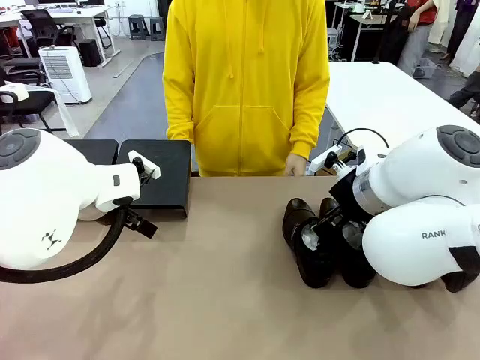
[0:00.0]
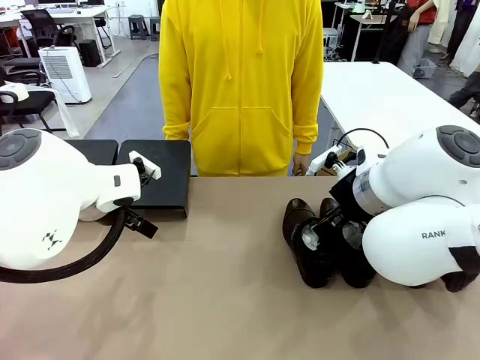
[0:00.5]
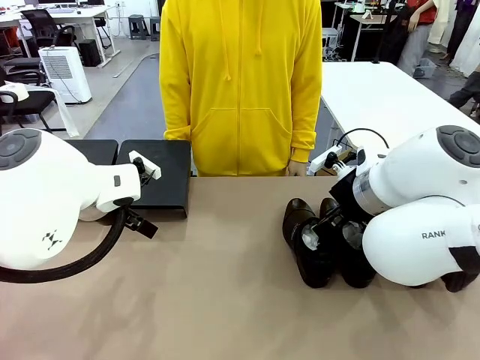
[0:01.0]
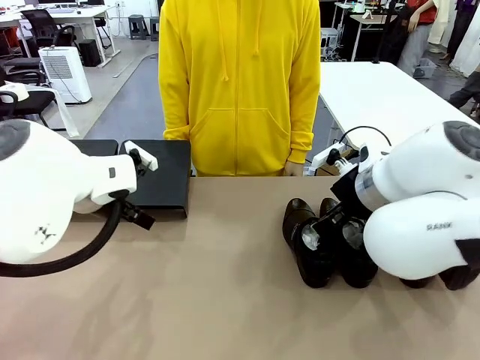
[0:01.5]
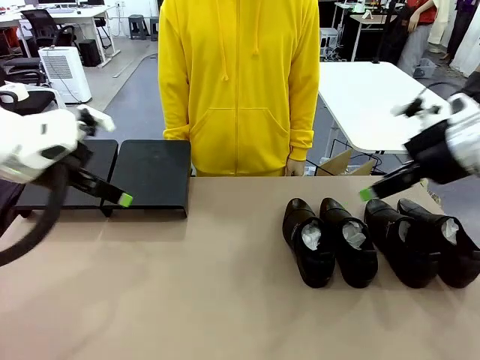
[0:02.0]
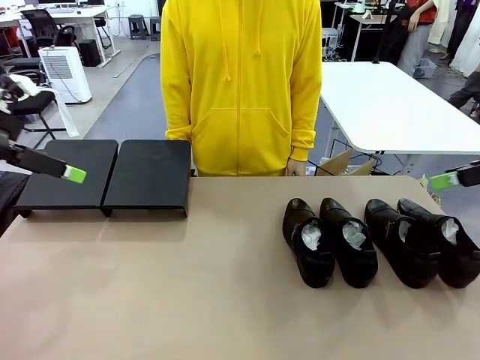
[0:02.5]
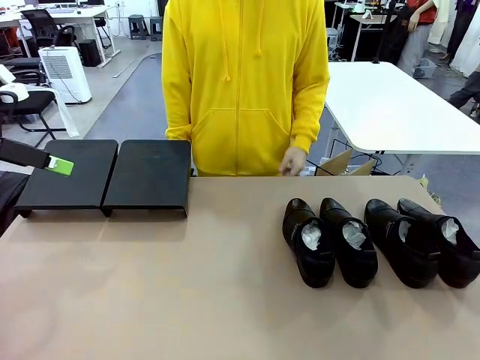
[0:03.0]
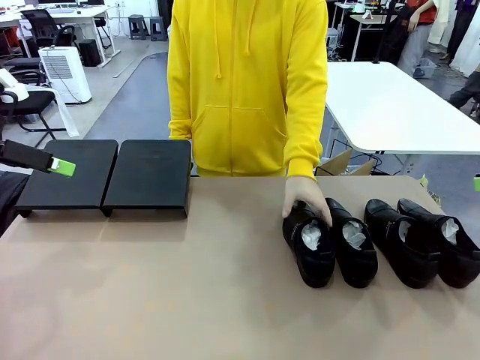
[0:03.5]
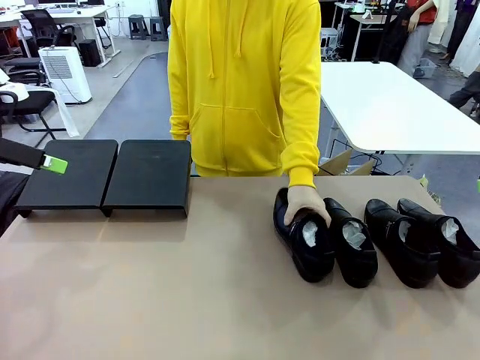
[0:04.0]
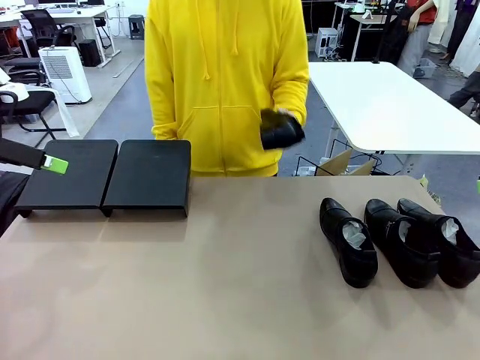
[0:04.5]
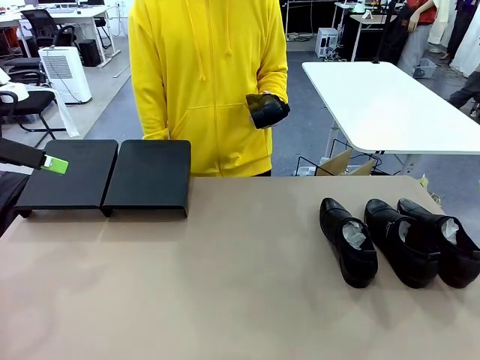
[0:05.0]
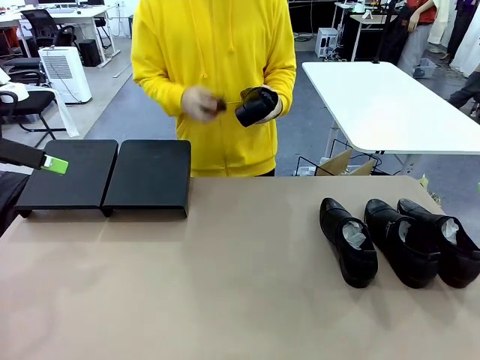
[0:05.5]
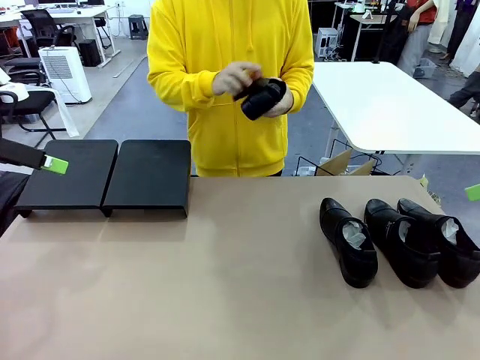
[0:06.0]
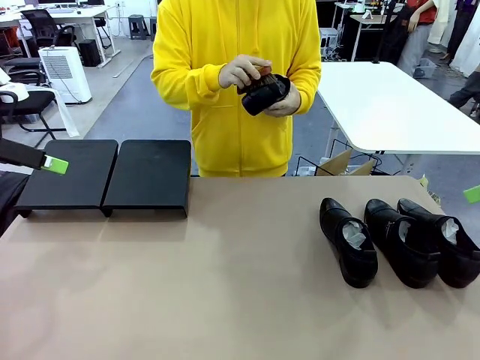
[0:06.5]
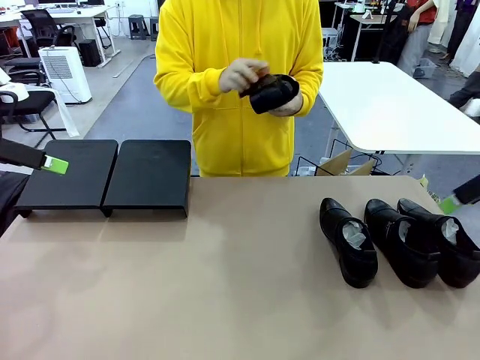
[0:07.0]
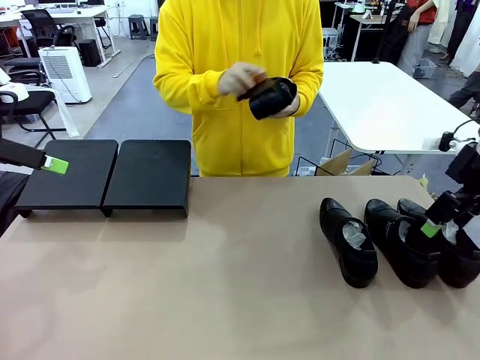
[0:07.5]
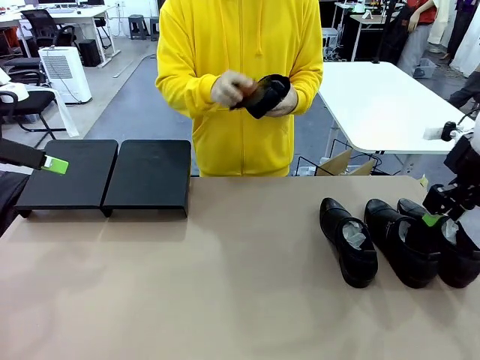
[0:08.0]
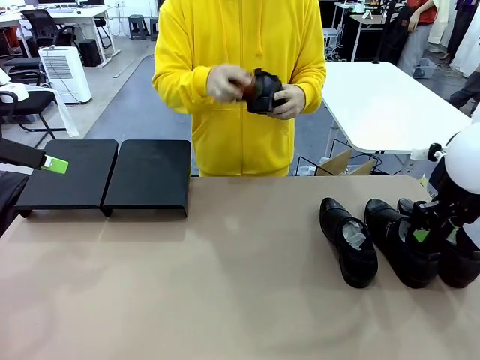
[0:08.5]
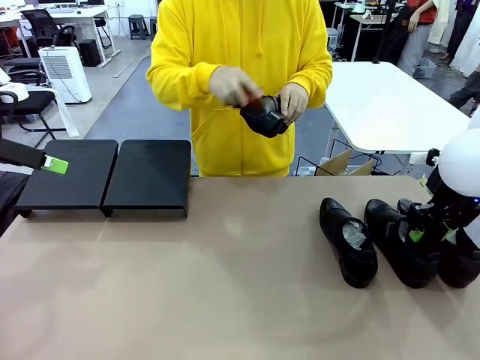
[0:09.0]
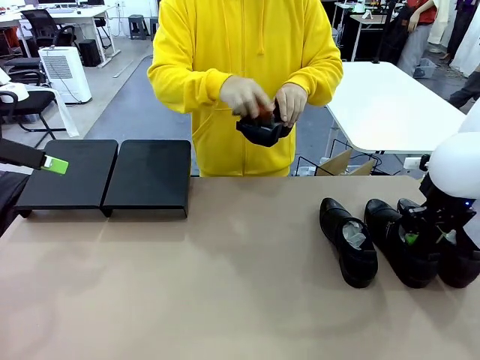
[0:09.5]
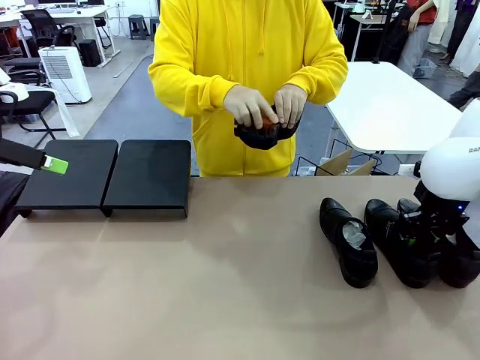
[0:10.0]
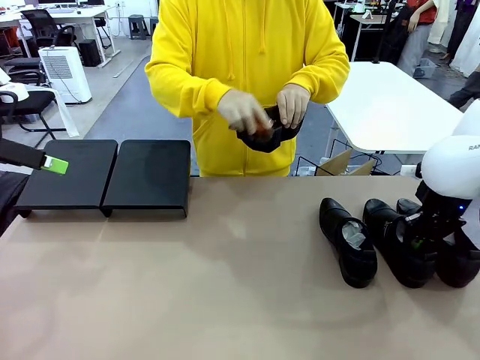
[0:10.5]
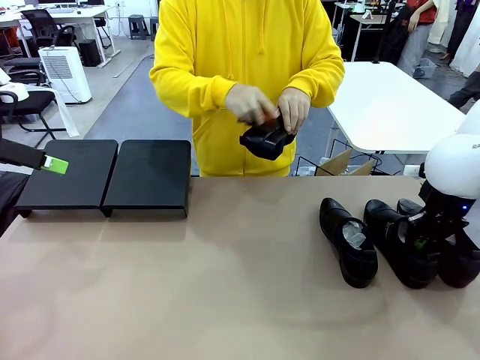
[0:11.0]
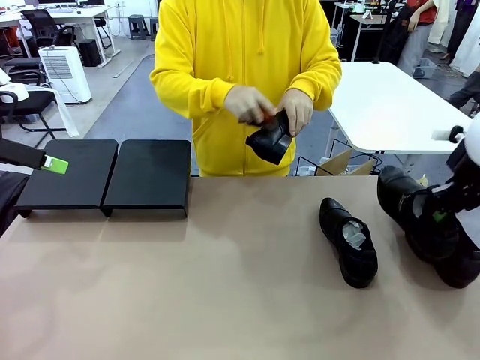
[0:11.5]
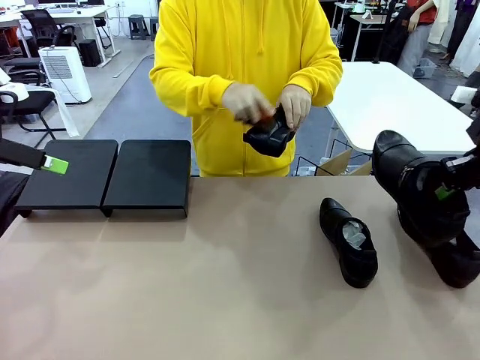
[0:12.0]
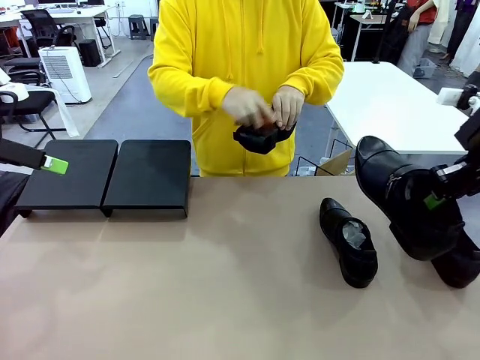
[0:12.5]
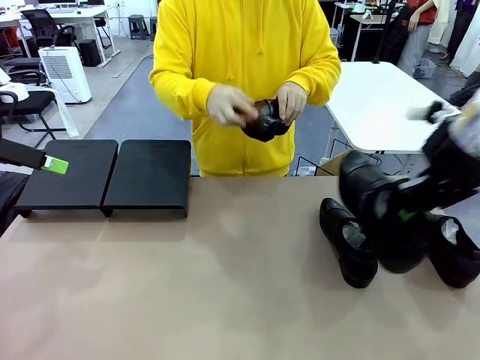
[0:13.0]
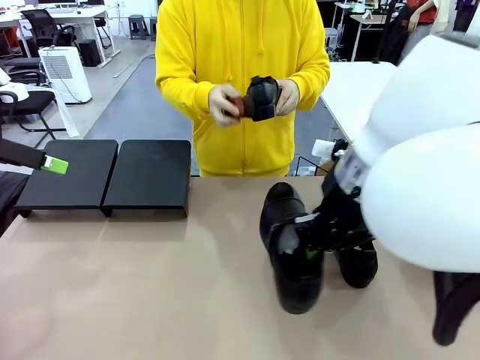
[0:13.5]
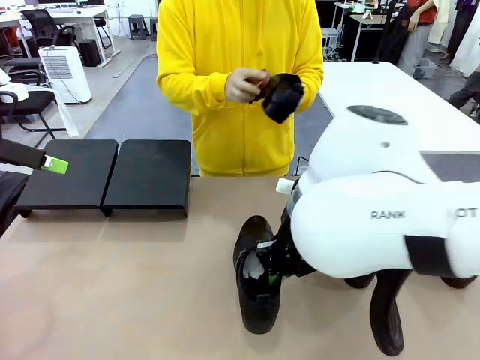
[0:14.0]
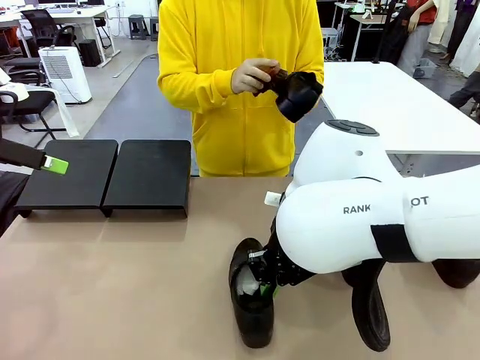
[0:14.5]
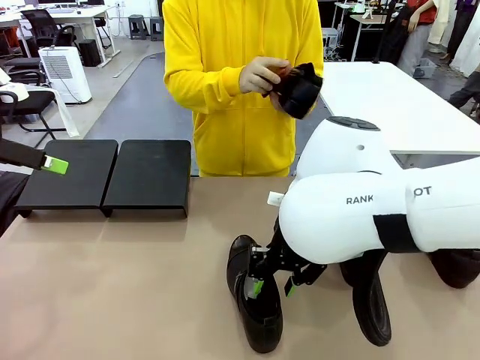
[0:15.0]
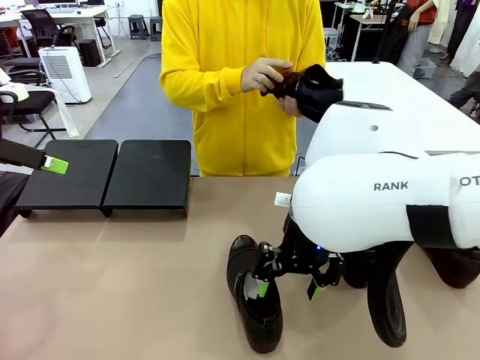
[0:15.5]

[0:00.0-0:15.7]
Task: Organize the shoes by placing them on the stand.
Robot: Pick up one Shoe and place it in the middle of the table.
Person: Pick one Shoe on Robot's table. Clean the Shoe with the Shoe Brush.

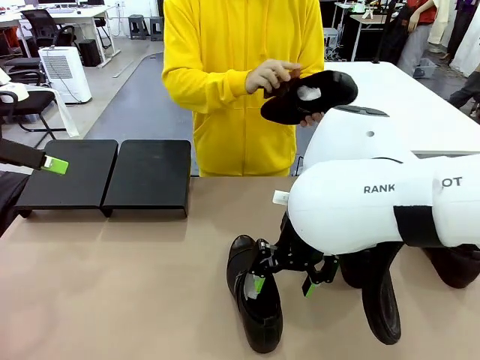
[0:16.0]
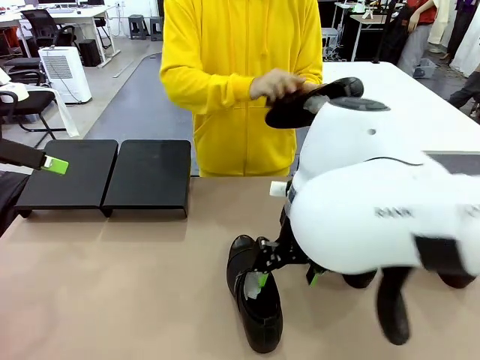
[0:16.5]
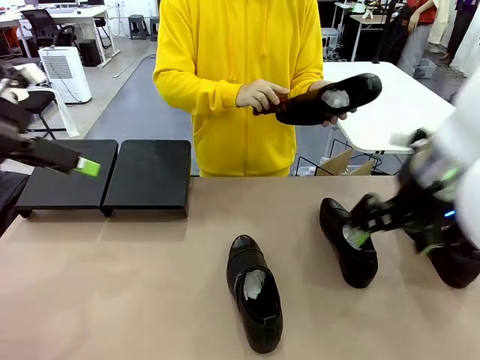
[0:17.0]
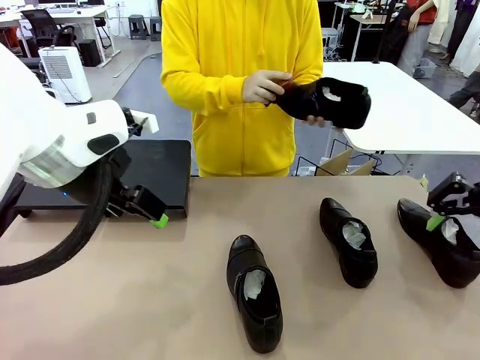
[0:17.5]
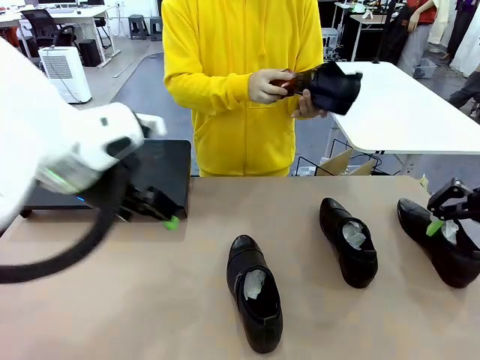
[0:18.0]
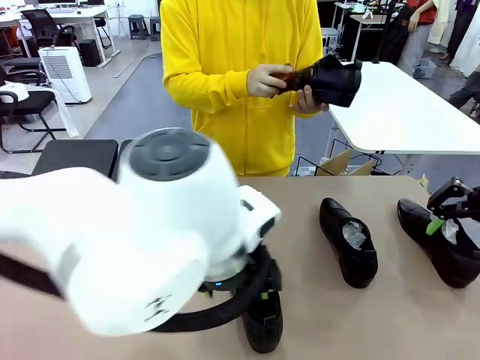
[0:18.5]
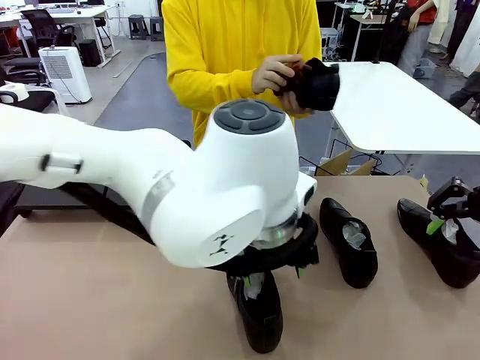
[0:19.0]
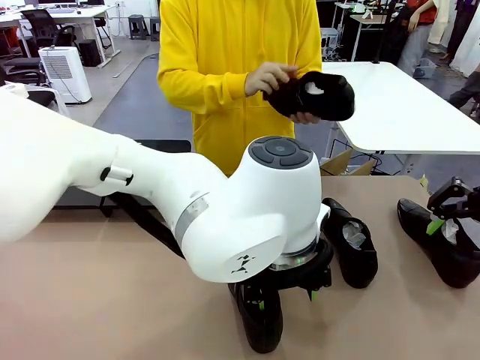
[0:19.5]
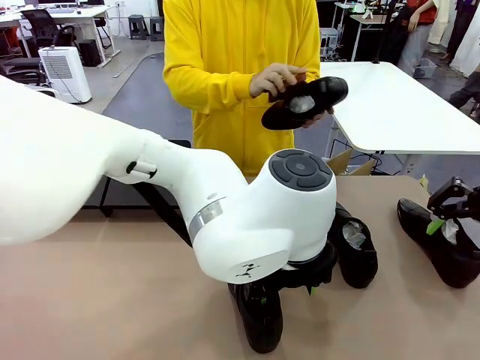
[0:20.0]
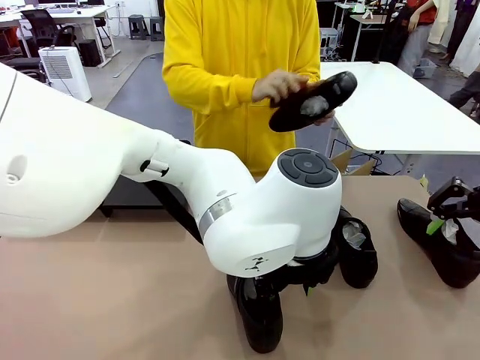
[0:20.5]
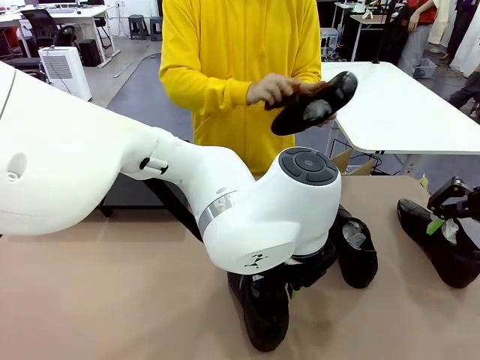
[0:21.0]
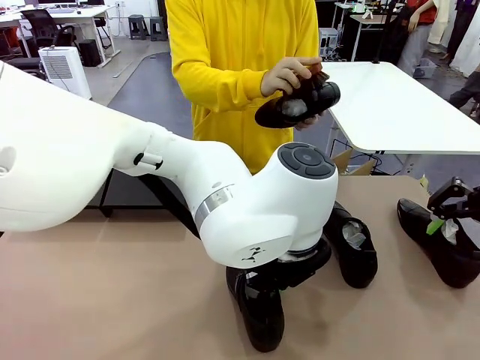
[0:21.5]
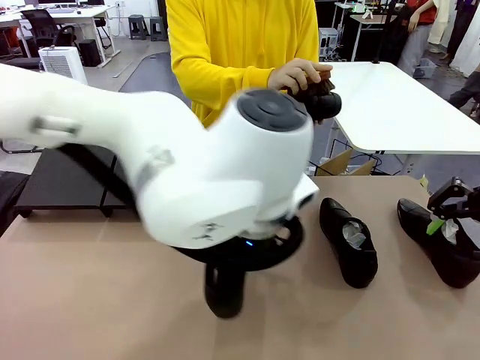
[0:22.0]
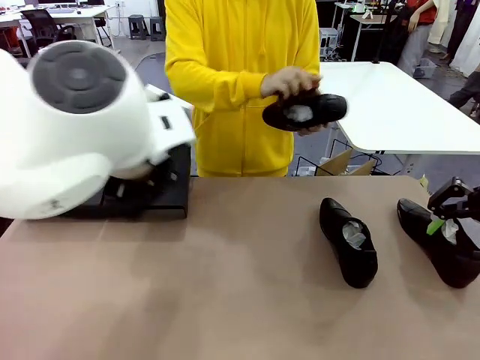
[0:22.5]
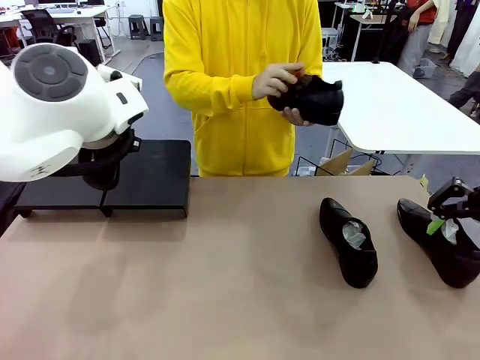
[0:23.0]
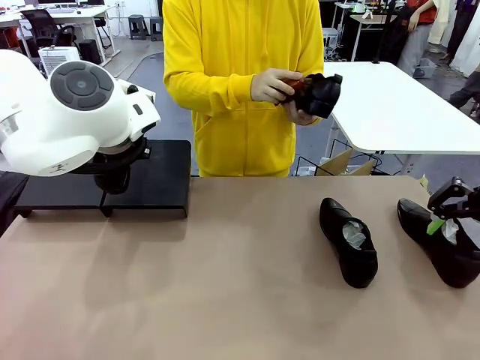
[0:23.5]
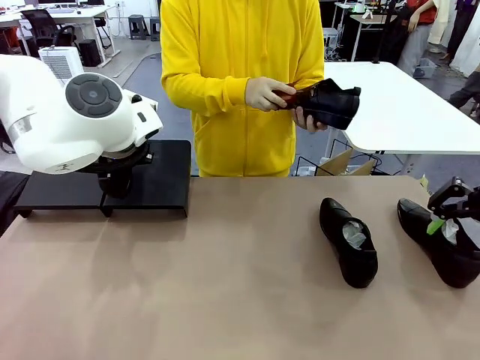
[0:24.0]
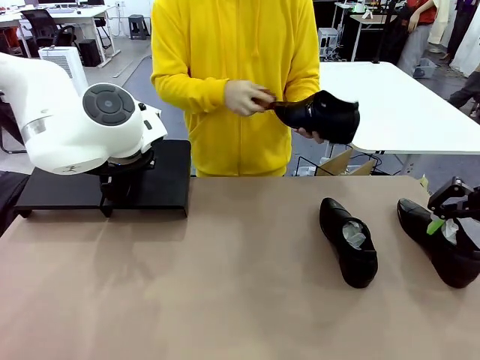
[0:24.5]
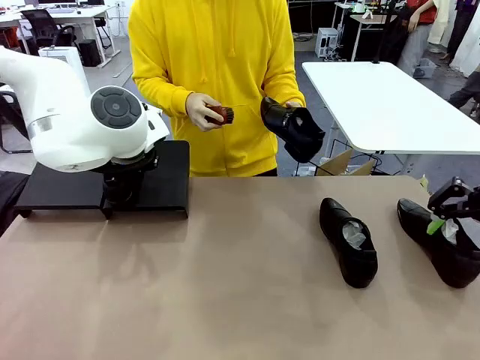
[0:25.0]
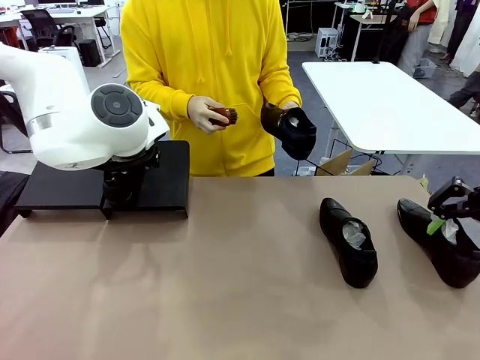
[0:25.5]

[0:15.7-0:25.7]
Robot: Place the Shoe from the middle of the table onto the Shoes Stand.
